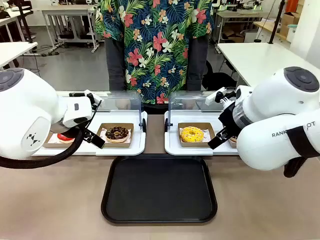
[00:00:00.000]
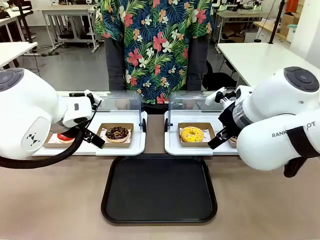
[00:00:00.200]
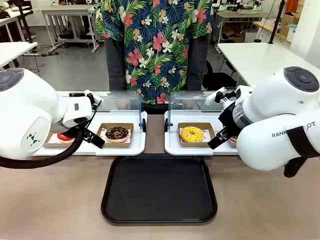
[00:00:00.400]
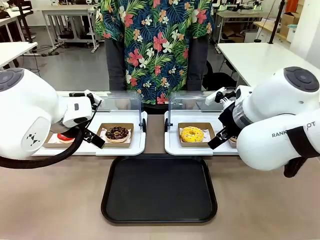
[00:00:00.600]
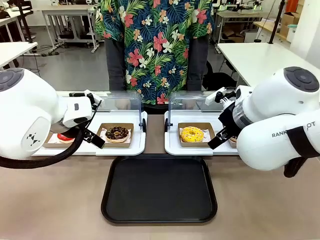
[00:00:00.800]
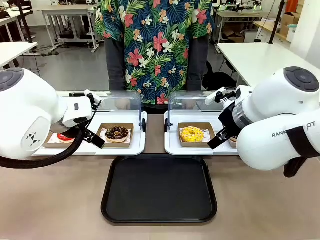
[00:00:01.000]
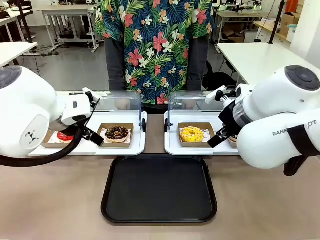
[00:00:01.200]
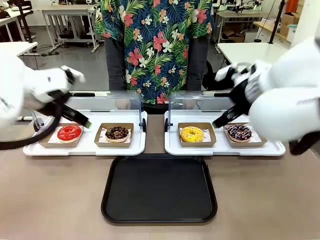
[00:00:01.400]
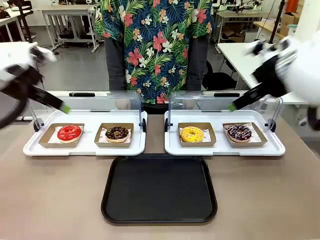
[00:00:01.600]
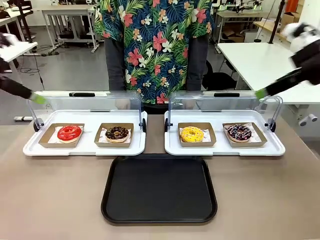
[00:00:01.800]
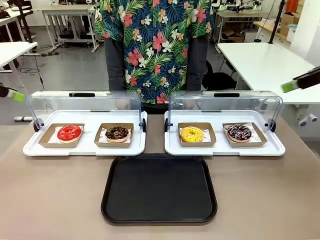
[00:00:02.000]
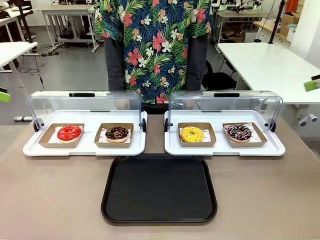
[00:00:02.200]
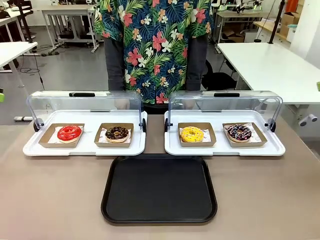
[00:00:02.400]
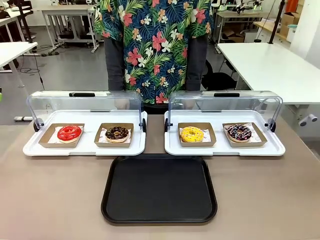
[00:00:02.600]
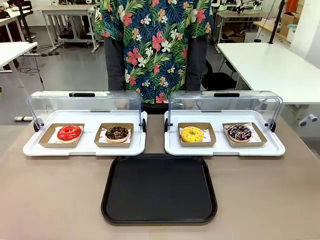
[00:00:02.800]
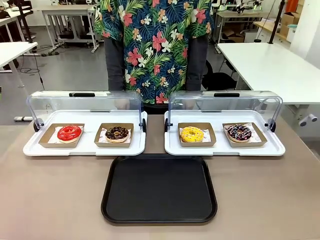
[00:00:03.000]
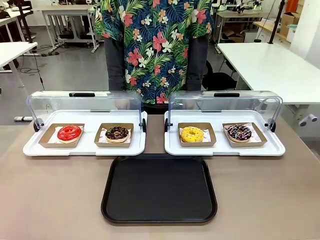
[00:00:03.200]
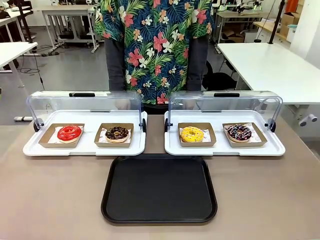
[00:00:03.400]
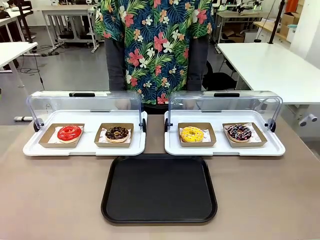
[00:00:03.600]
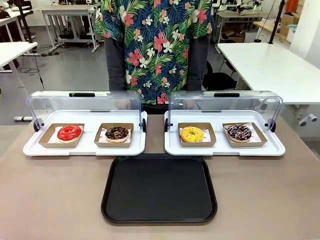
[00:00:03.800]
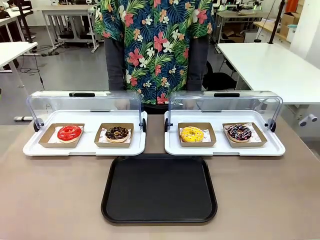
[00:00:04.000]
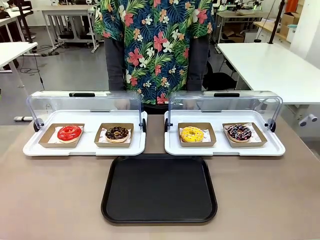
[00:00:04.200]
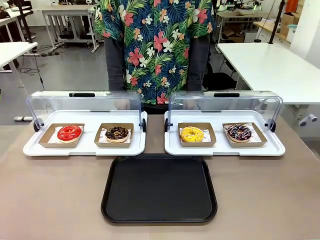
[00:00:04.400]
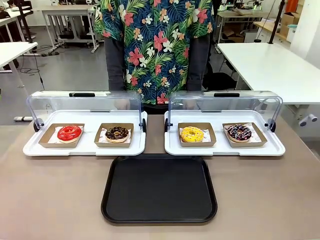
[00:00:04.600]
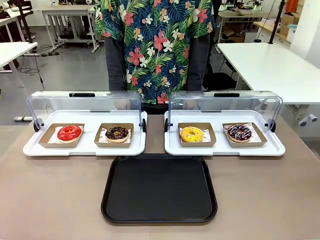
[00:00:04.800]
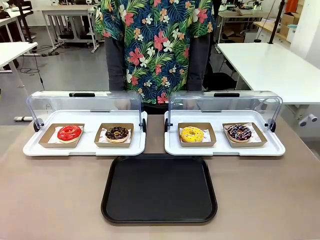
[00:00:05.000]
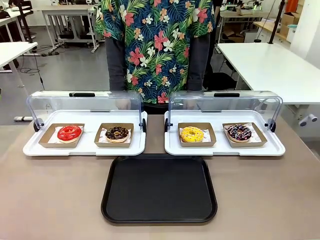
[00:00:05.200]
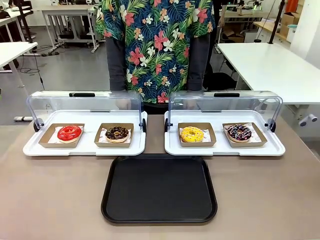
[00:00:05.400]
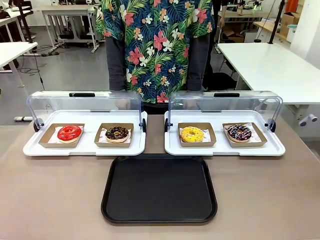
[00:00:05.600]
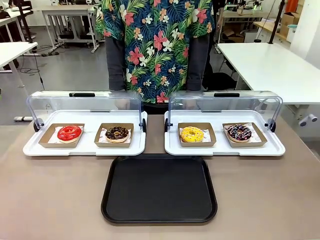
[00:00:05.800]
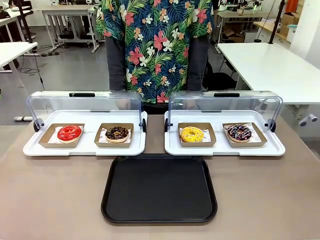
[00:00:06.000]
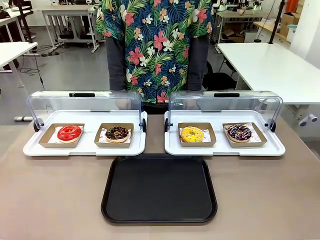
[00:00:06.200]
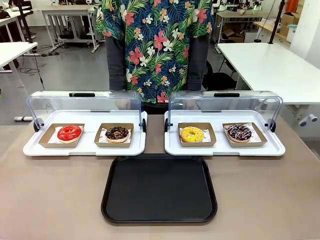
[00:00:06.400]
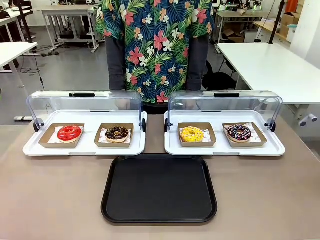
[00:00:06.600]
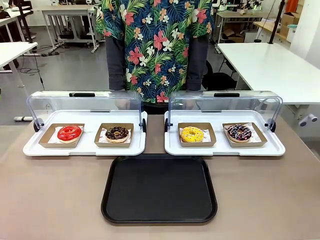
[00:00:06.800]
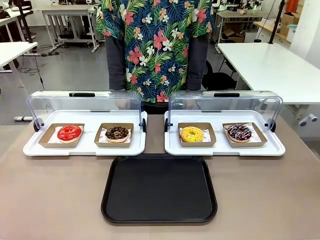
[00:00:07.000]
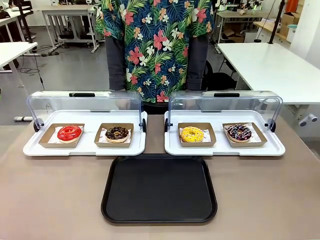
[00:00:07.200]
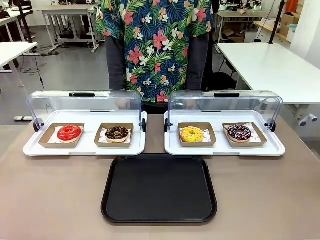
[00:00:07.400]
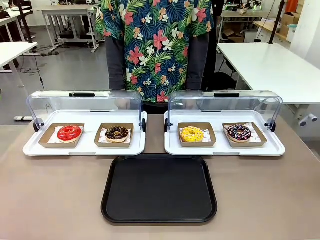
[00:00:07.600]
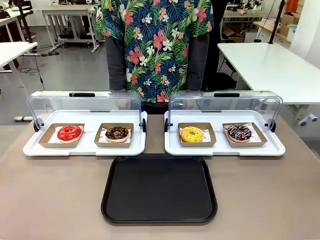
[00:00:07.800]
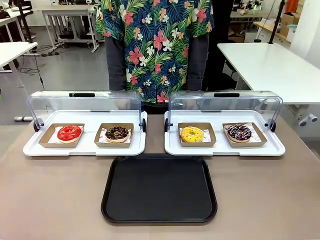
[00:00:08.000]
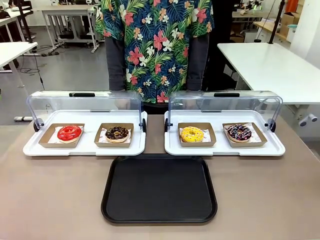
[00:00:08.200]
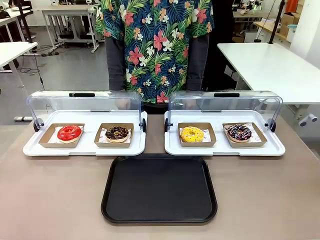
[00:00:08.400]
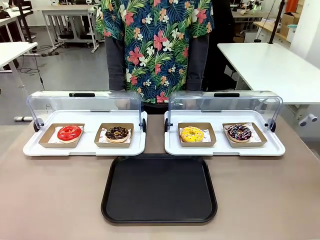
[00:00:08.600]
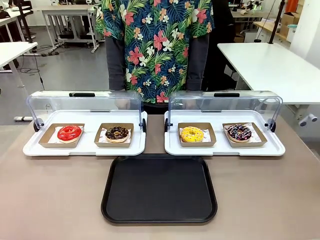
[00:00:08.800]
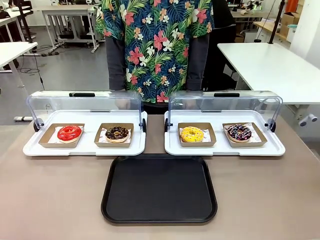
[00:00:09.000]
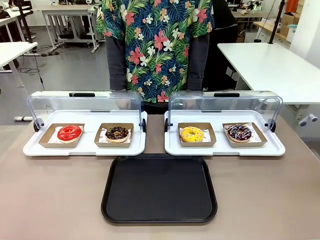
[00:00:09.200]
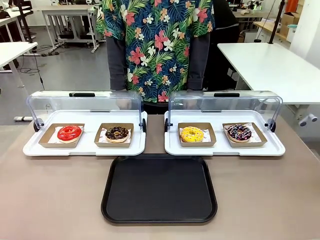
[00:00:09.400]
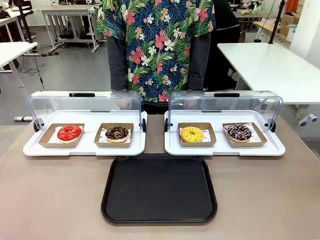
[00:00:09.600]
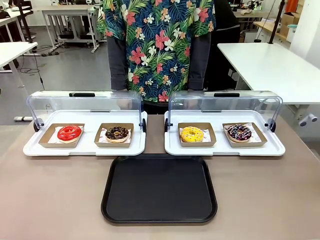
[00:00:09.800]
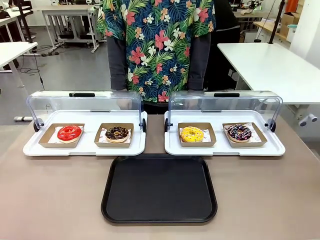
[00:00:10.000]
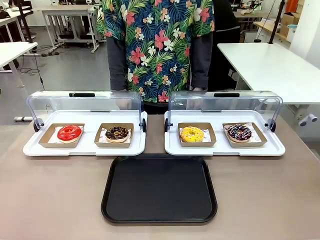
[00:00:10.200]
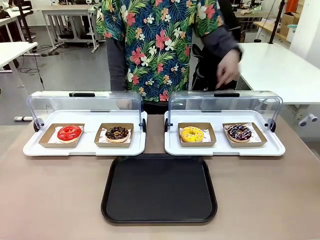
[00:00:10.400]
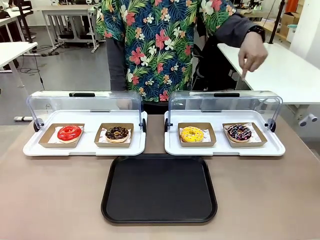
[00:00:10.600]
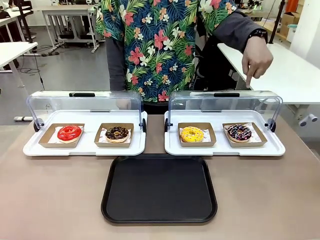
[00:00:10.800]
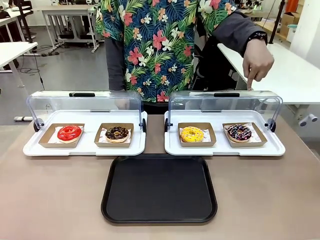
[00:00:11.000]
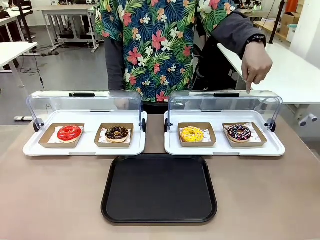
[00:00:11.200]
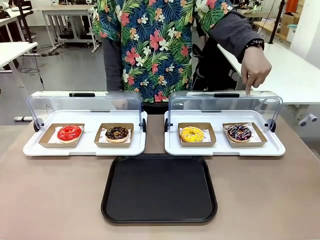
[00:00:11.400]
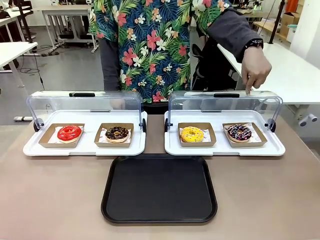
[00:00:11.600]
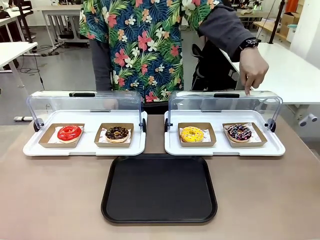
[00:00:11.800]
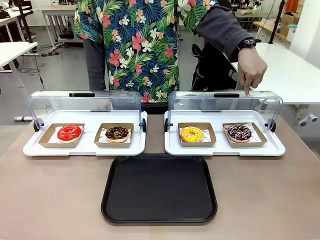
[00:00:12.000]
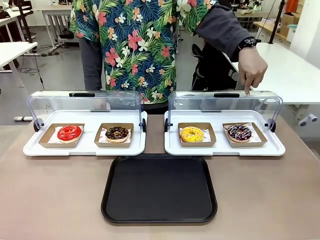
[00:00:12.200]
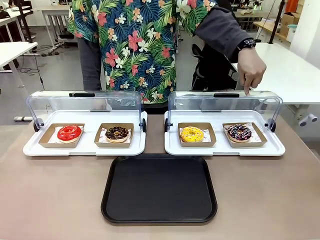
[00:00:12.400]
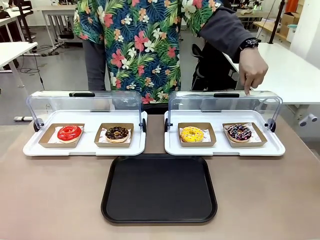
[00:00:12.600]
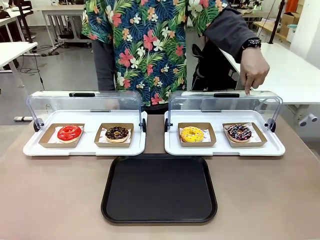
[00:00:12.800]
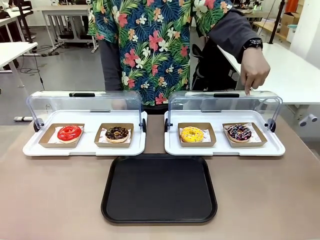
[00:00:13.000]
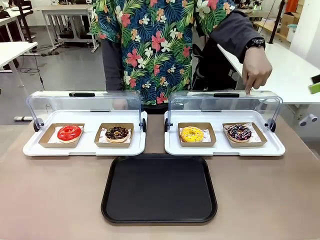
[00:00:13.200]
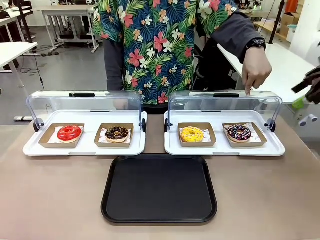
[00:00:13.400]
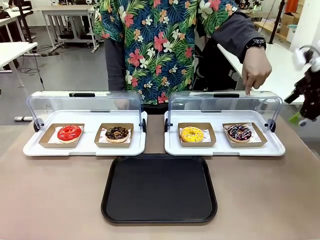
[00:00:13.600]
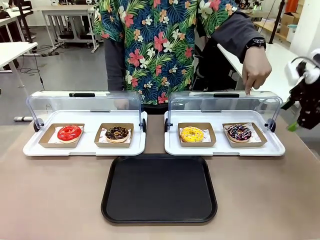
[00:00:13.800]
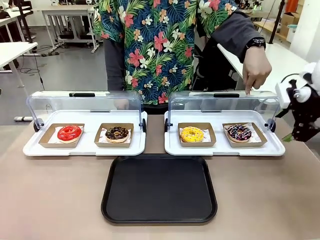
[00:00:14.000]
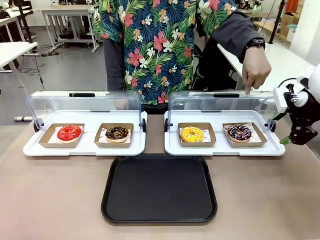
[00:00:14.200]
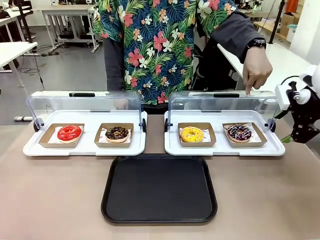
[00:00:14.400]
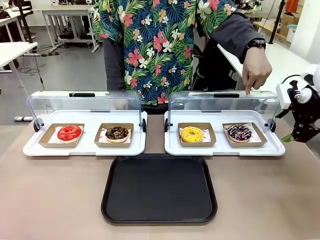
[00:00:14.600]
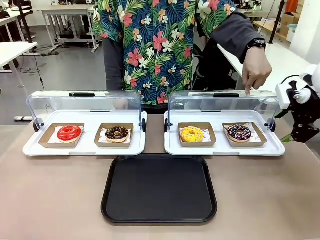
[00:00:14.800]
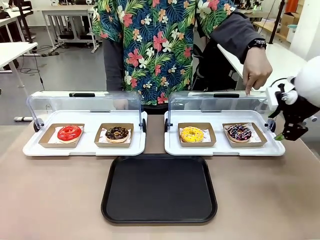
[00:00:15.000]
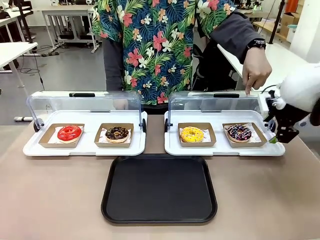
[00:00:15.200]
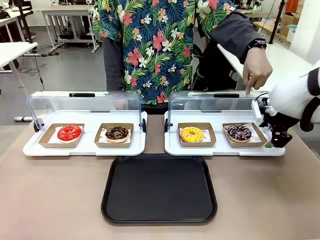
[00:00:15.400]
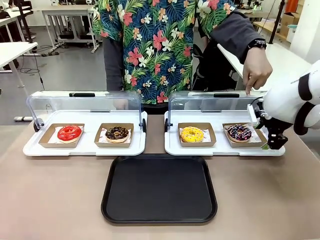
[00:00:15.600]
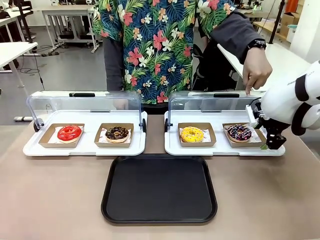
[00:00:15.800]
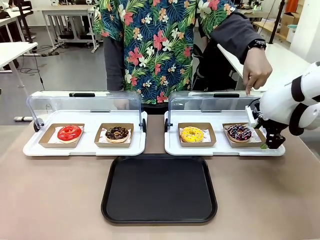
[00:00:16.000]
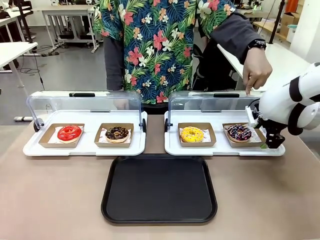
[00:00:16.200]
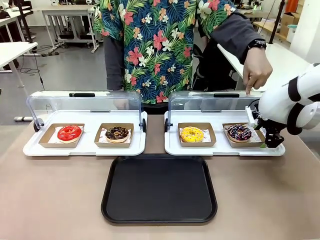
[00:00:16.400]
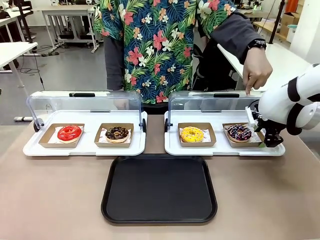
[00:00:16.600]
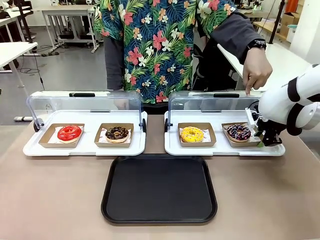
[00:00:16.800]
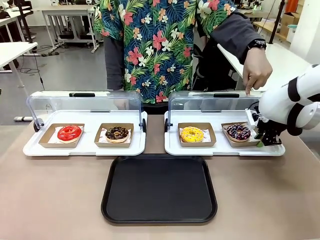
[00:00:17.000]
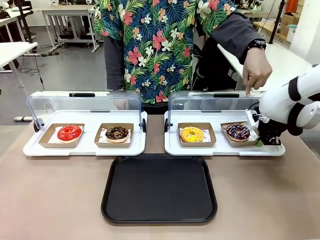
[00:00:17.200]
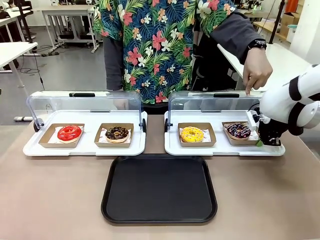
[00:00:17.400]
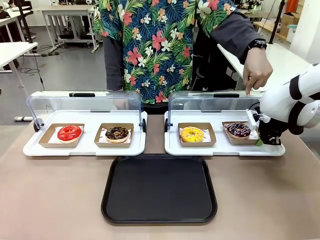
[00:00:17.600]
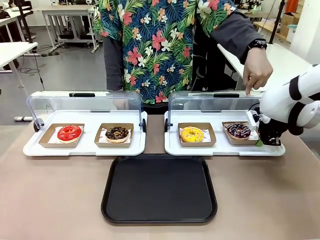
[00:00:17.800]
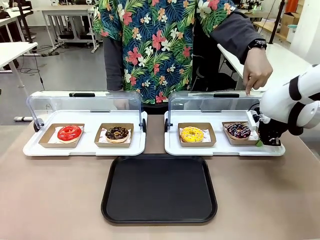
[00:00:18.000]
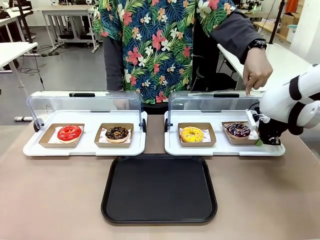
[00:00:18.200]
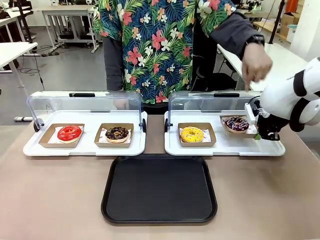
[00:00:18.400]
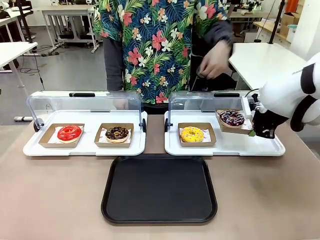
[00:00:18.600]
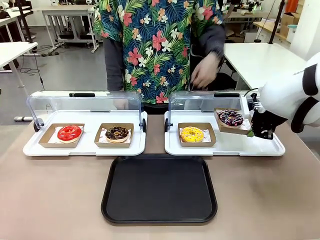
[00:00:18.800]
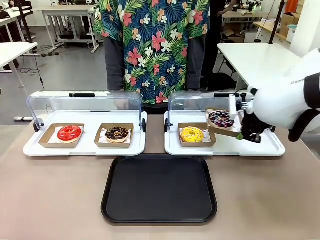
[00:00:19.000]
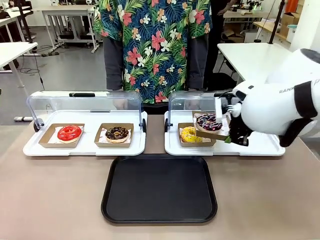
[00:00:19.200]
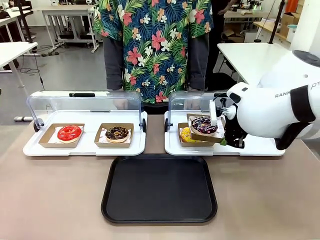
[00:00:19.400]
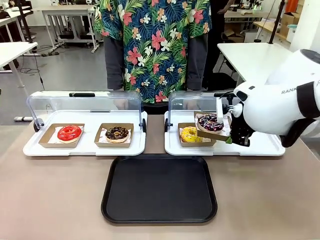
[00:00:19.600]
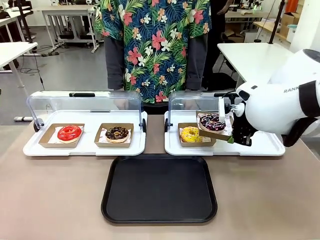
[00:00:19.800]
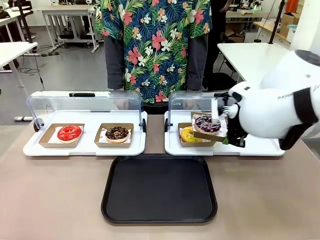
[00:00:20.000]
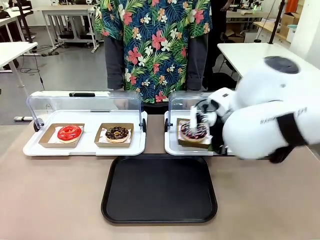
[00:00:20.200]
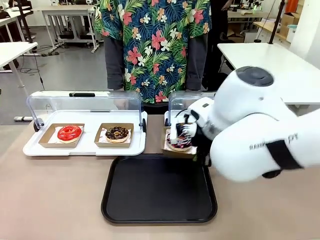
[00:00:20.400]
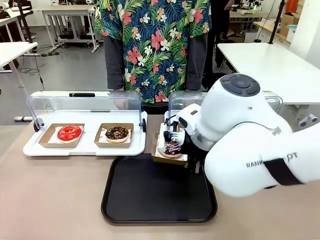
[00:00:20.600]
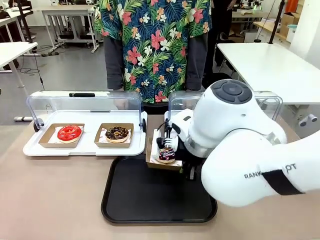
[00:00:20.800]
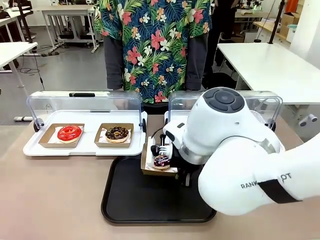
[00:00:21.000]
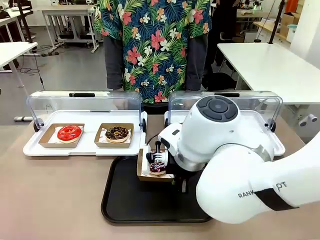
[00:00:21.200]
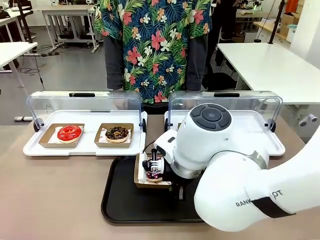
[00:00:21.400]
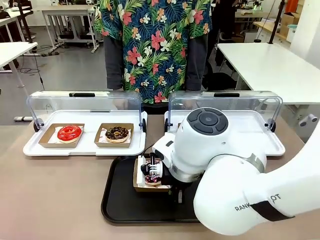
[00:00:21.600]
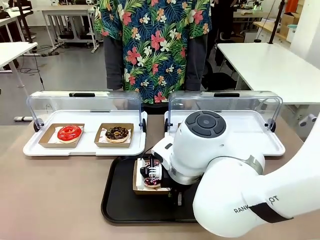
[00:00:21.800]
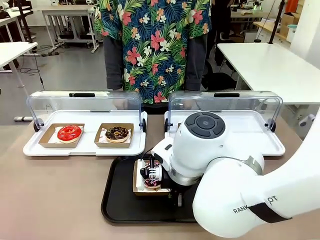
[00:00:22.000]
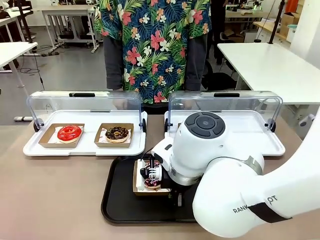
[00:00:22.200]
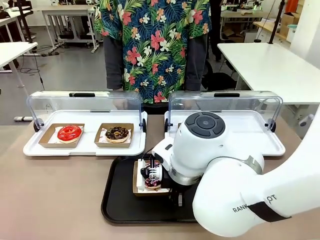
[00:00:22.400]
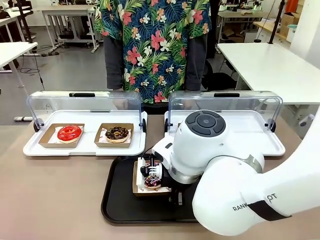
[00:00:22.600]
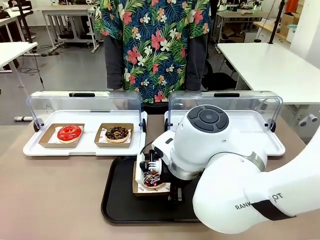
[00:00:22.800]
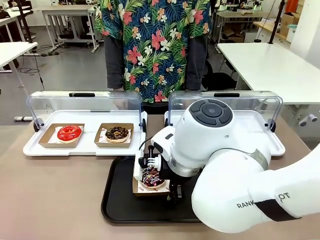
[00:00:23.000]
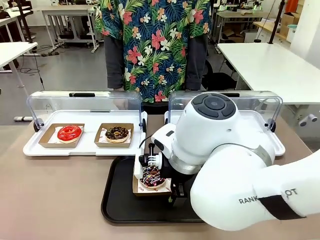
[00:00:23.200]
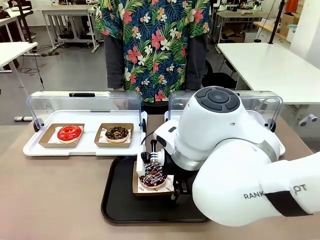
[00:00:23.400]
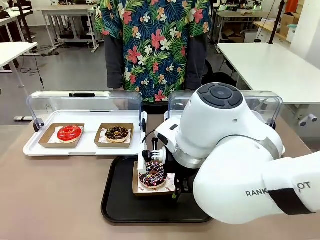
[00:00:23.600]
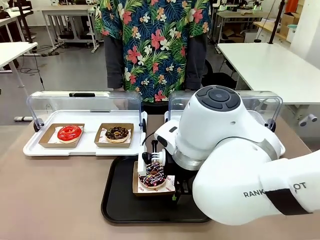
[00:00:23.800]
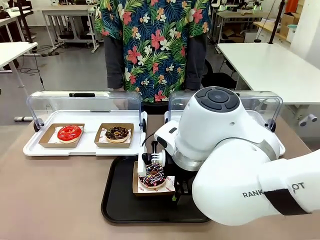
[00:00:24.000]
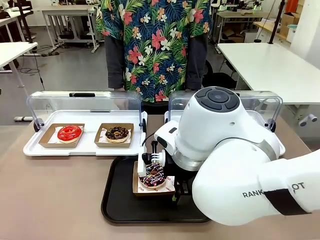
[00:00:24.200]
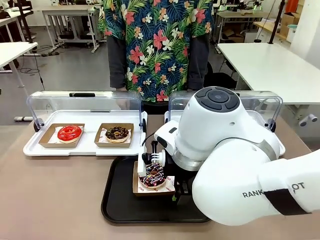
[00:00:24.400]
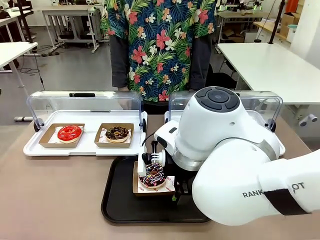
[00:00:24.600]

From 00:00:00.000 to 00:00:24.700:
Task: Move the fourth donut from the left to the tray.
Robot: Pick up the Paper togo box containing the Donut indicated by the person and place it on the Handle tray.
Person: Points to the fourth donut from the left from the robot’s perspective.
